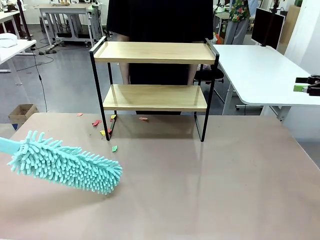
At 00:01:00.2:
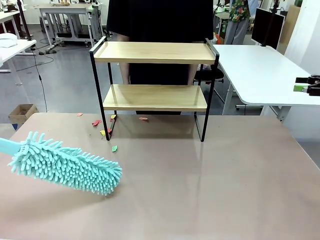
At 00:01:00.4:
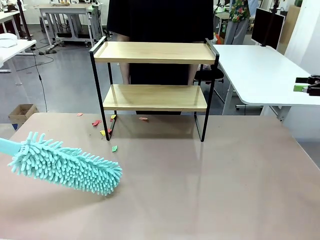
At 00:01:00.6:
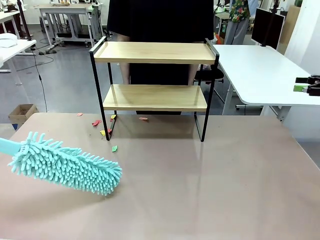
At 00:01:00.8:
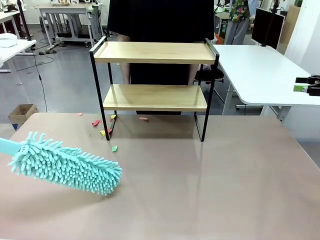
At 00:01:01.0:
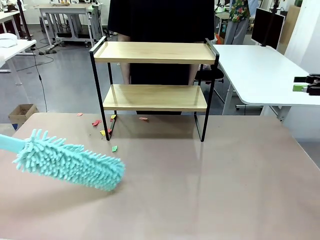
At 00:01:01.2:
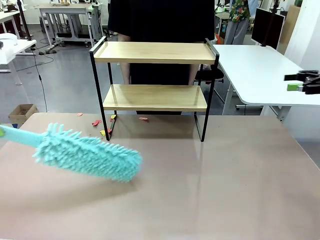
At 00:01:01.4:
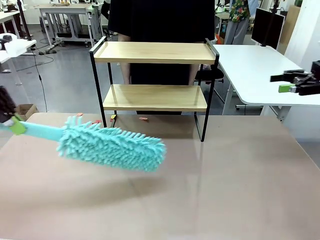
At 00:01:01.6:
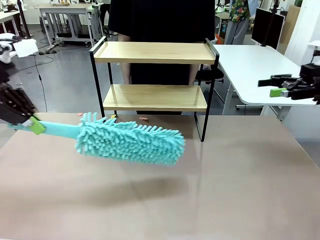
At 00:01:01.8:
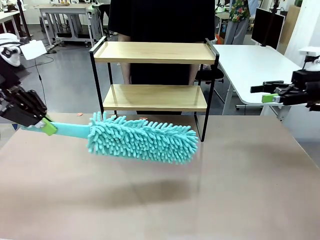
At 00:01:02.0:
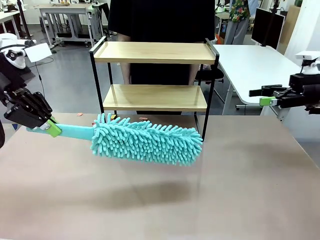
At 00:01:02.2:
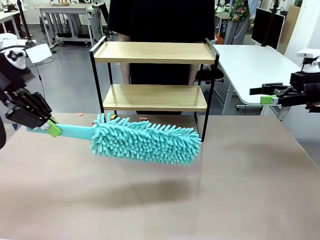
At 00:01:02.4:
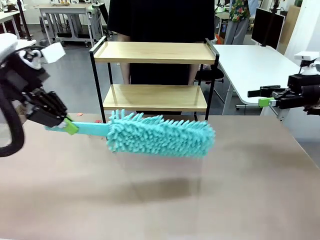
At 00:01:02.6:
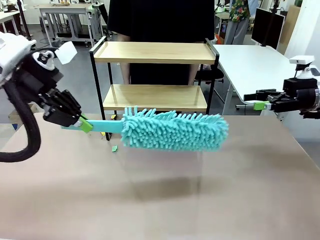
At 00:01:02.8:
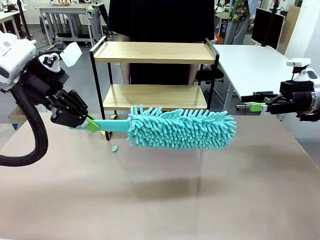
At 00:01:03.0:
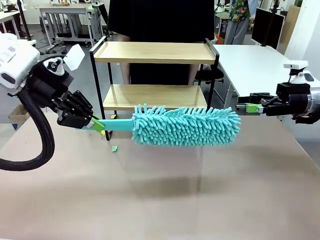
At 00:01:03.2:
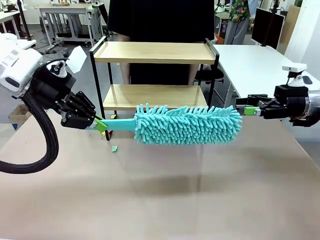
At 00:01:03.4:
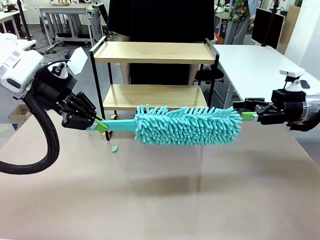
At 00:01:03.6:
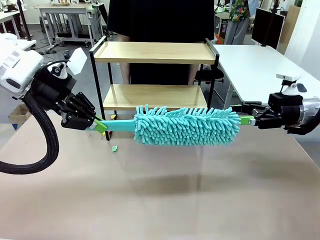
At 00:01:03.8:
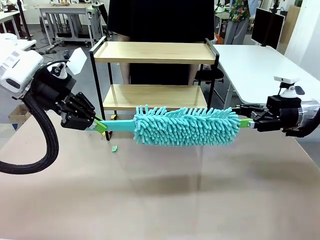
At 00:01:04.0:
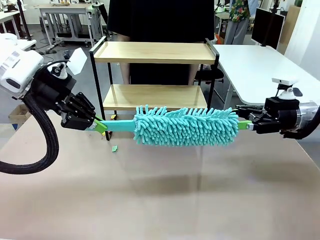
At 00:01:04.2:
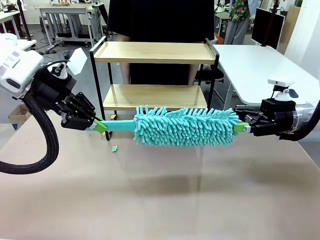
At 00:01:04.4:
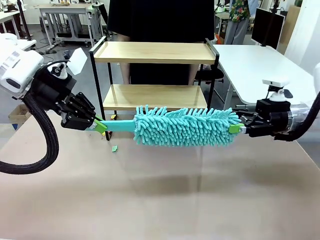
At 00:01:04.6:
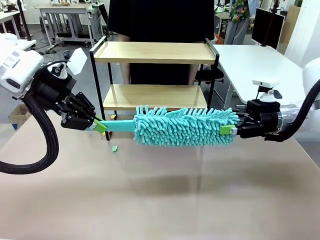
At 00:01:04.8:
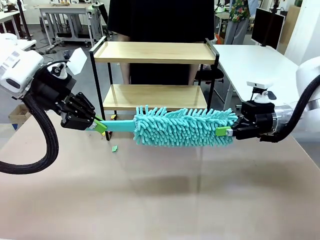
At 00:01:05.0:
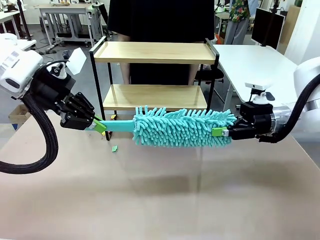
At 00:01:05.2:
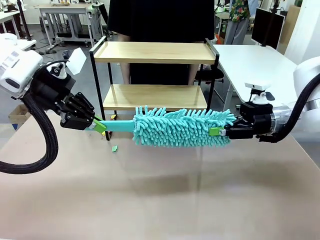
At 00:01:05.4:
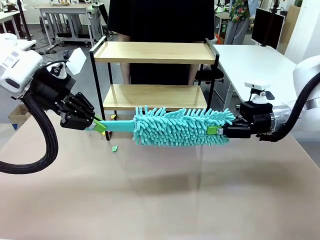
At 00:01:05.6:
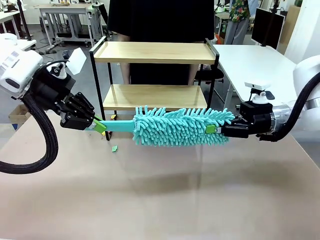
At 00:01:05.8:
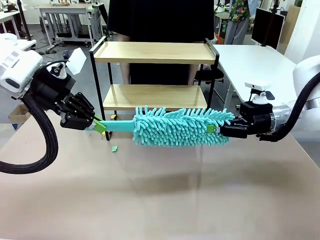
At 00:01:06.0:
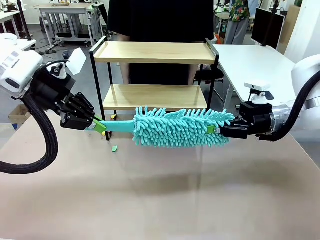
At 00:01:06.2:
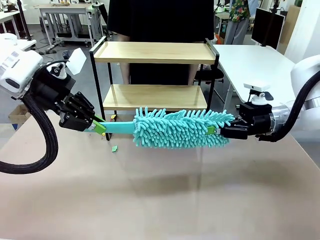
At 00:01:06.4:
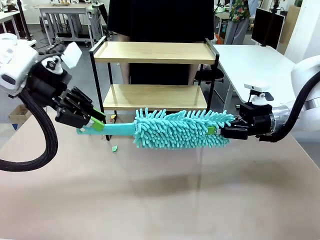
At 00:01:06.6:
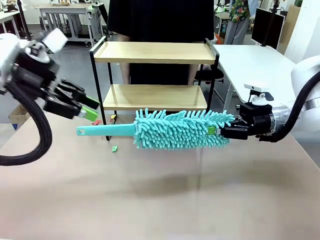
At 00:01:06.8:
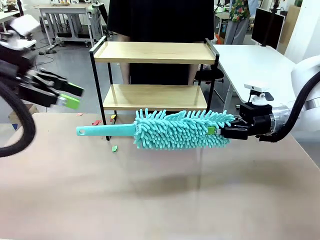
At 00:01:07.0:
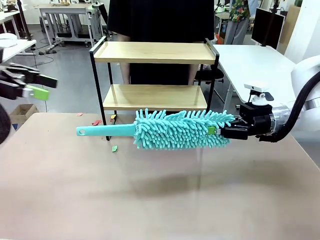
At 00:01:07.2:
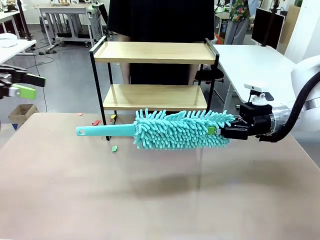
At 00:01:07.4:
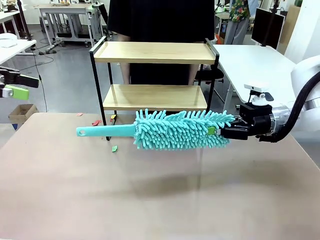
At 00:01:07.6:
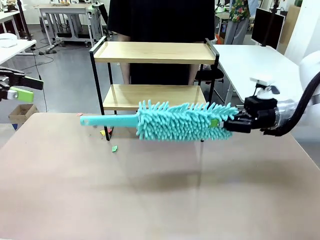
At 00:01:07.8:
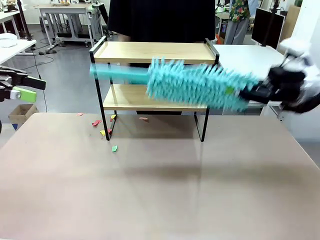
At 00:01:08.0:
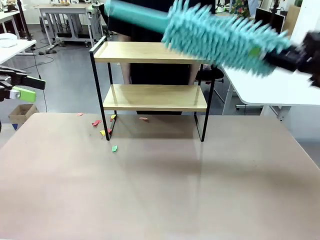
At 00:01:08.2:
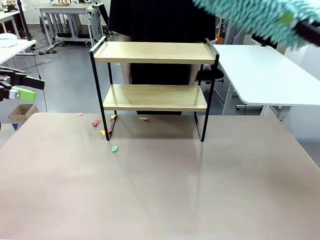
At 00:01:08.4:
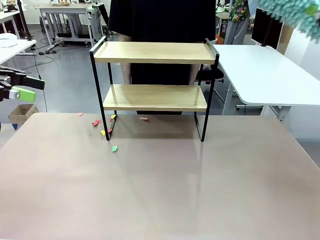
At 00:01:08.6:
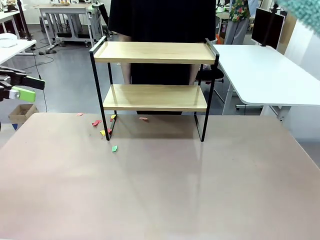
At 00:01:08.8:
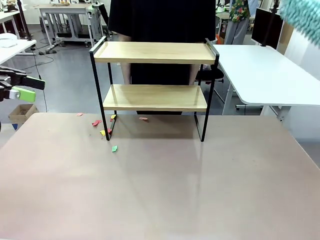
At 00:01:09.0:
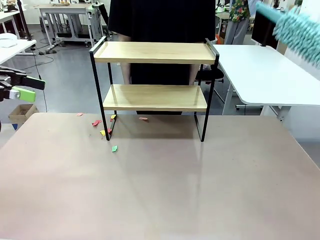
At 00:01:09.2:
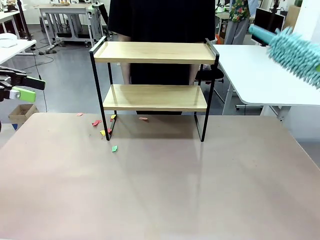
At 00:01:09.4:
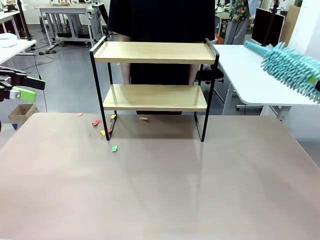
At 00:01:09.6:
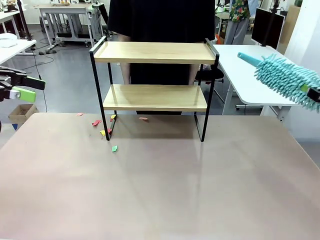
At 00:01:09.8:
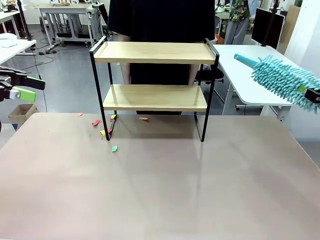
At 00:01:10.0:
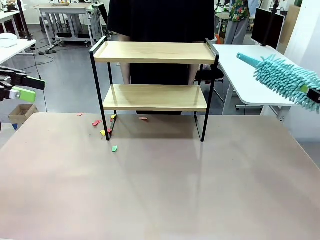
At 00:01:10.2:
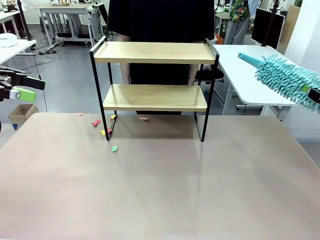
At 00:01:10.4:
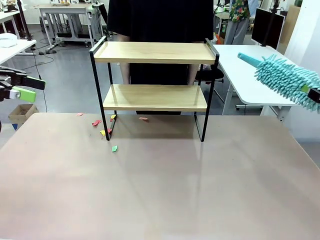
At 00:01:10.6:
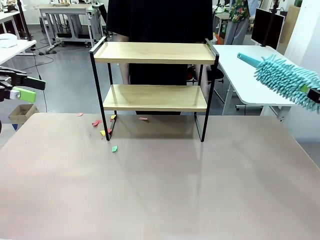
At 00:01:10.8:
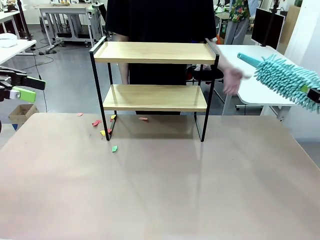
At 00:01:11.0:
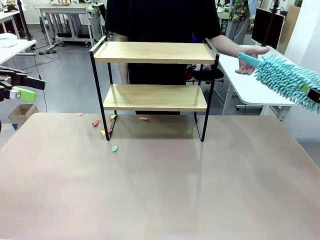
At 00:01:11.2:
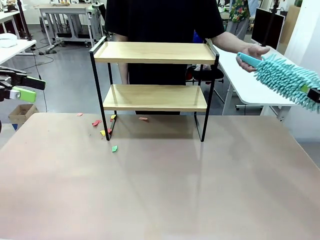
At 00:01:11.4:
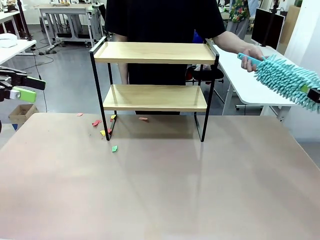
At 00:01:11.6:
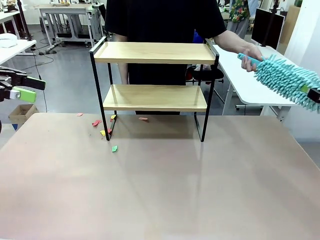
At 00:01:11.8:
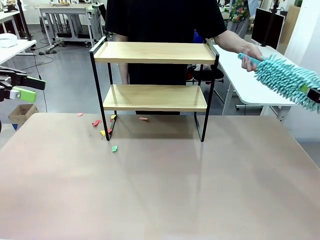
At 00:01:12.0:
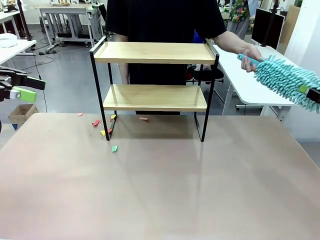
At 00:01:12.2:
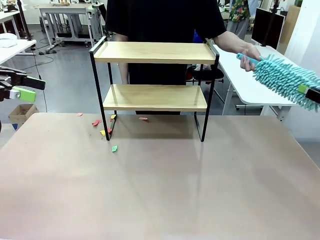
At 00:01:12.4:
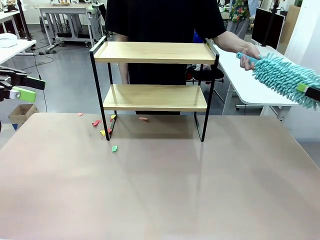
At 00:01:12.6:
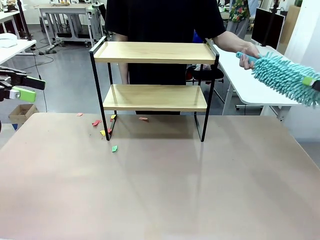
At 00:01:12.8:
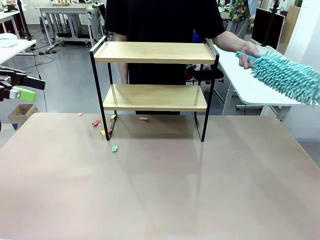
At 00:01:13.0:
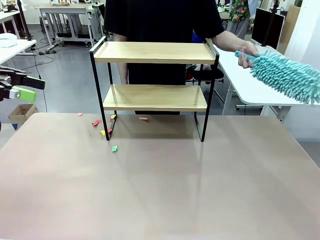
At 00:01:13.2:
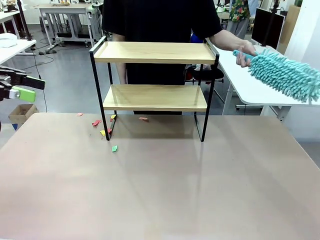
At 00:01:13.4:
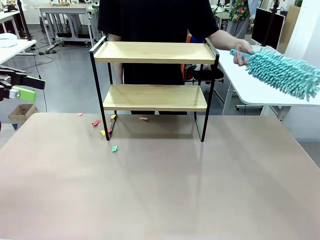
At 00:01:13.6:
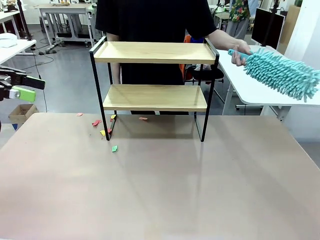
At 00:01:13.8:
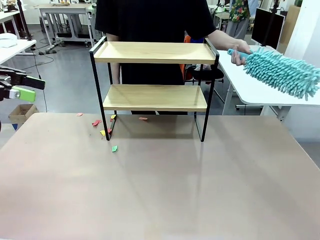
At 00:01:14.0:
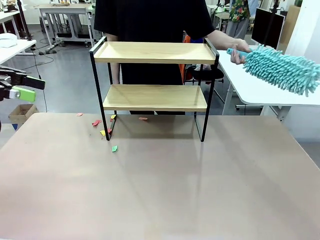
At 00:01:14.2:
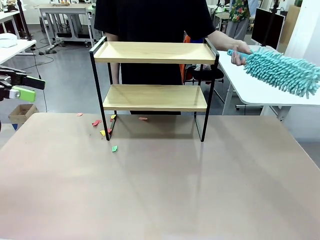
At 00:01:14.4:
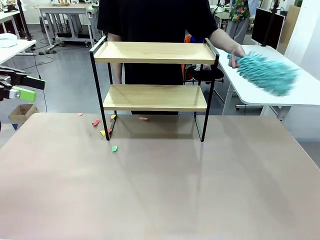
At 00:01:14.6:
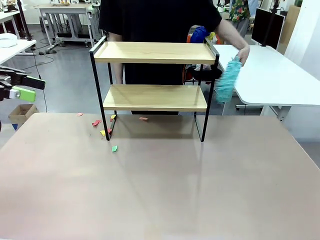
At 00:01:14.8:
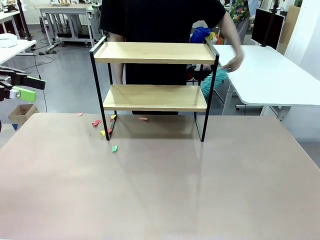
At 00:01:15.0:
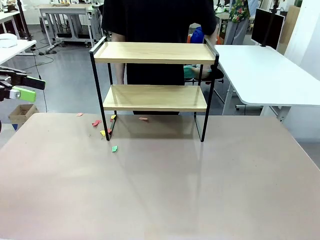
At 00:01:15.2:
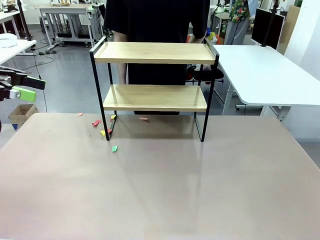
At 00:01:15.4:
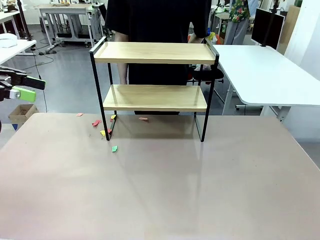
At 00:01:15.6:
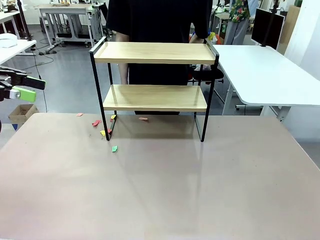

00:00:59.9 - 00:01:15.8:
Task: Clean the shelf.
Robot: Hand the Duster back to the human.
Person: Receive the Duster from the robot.
